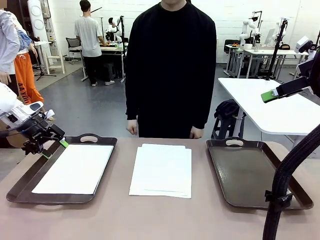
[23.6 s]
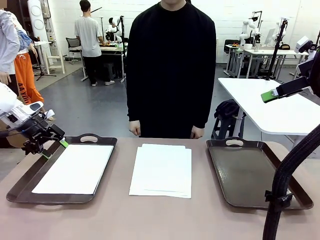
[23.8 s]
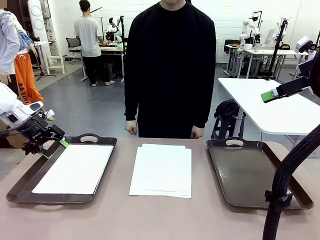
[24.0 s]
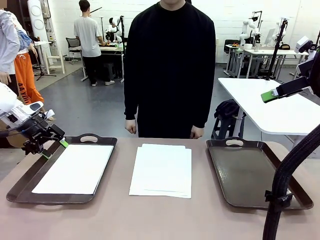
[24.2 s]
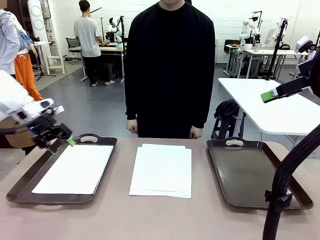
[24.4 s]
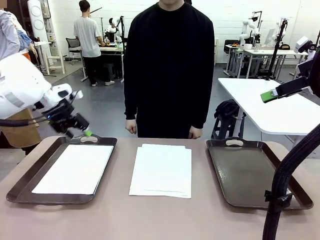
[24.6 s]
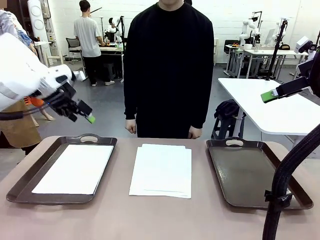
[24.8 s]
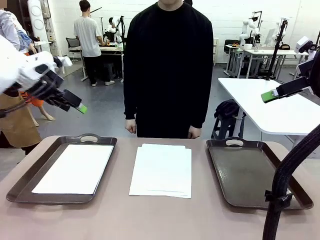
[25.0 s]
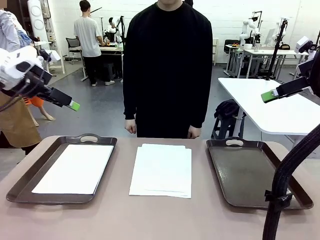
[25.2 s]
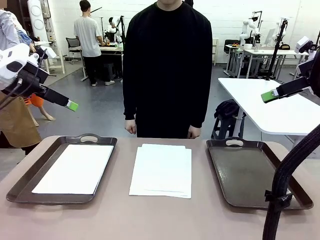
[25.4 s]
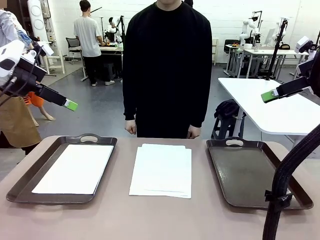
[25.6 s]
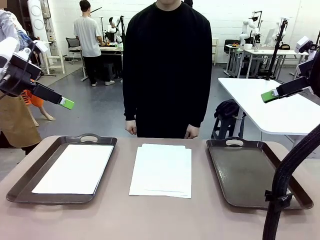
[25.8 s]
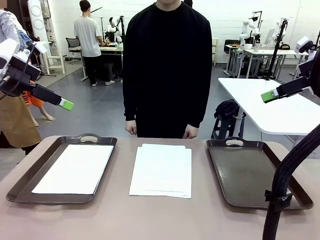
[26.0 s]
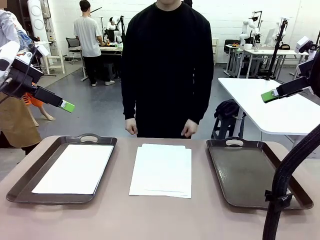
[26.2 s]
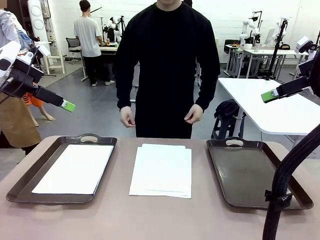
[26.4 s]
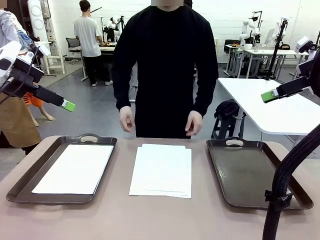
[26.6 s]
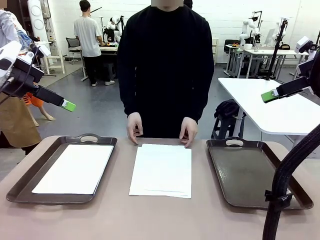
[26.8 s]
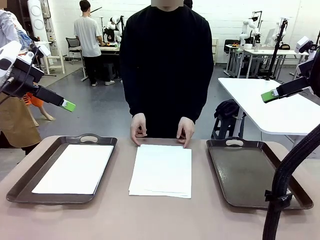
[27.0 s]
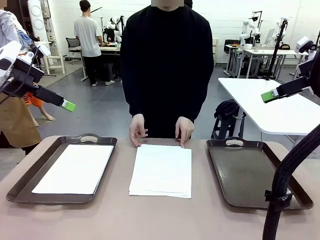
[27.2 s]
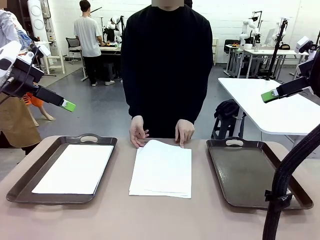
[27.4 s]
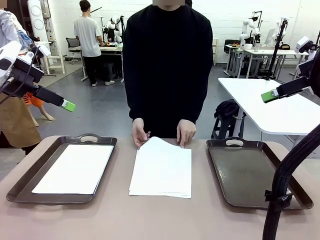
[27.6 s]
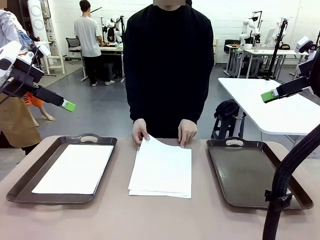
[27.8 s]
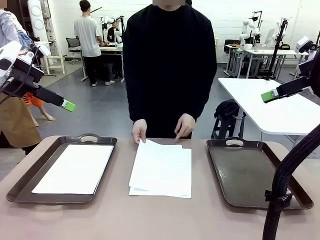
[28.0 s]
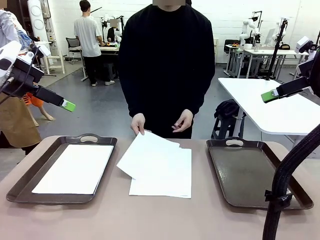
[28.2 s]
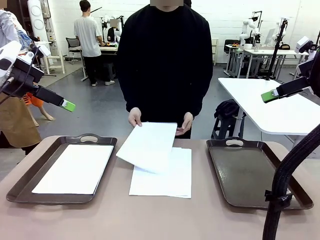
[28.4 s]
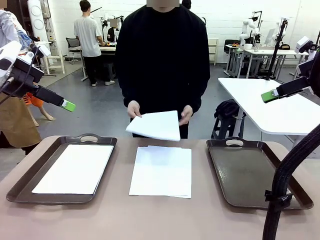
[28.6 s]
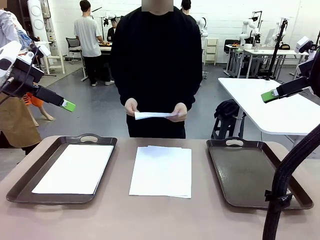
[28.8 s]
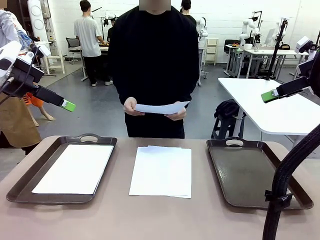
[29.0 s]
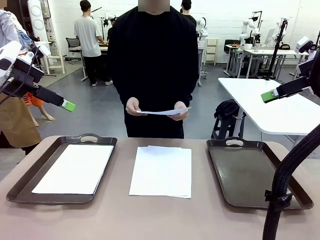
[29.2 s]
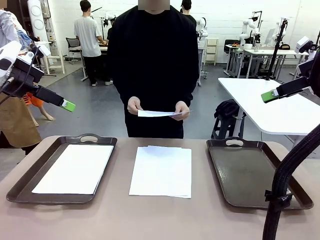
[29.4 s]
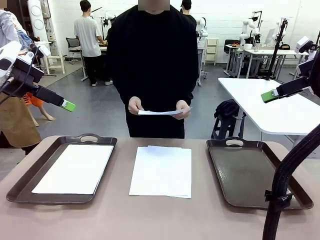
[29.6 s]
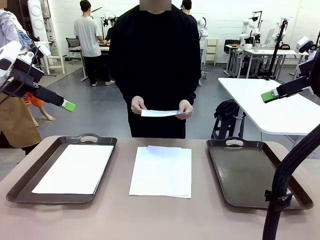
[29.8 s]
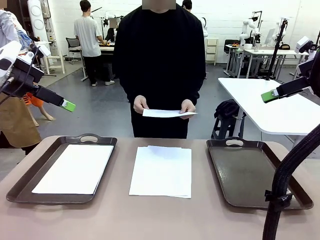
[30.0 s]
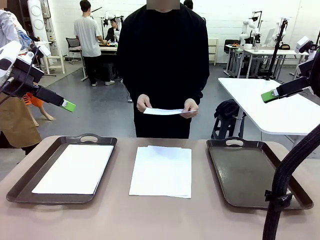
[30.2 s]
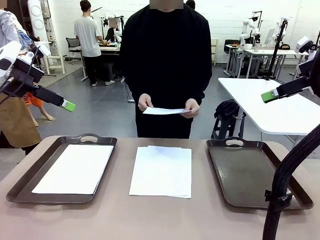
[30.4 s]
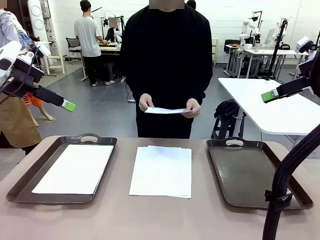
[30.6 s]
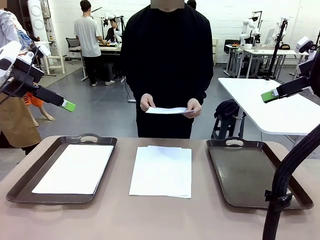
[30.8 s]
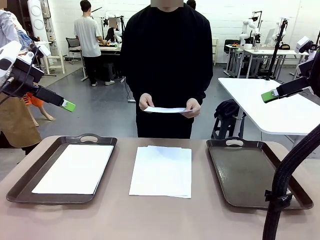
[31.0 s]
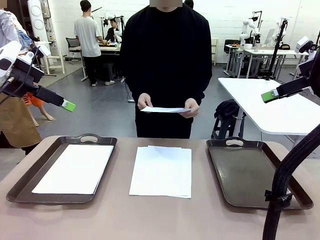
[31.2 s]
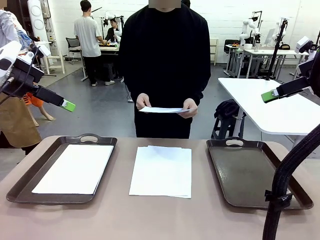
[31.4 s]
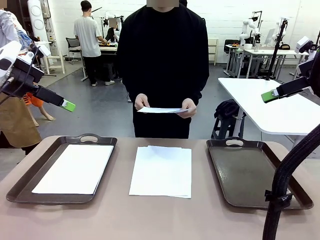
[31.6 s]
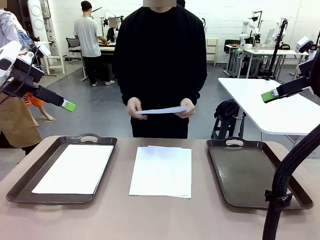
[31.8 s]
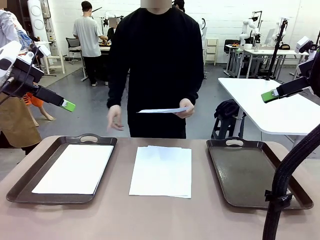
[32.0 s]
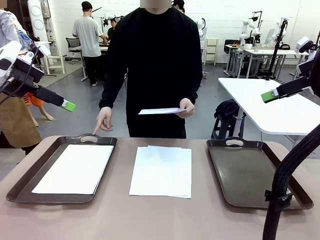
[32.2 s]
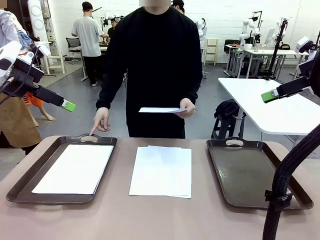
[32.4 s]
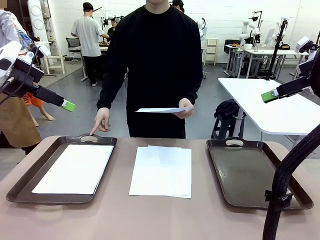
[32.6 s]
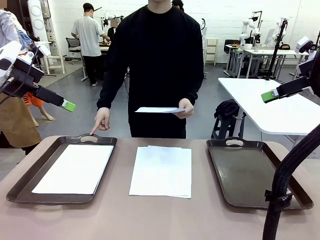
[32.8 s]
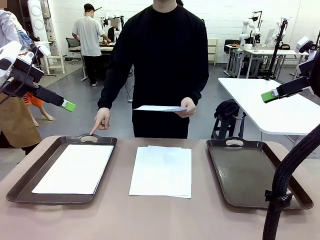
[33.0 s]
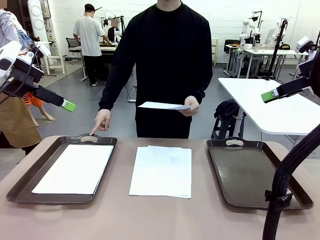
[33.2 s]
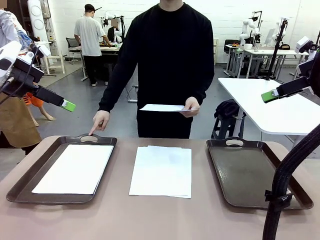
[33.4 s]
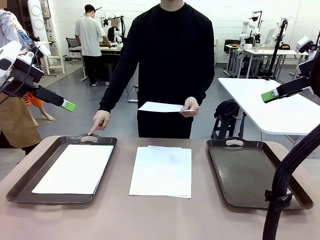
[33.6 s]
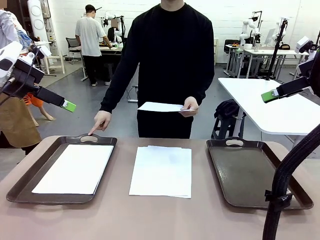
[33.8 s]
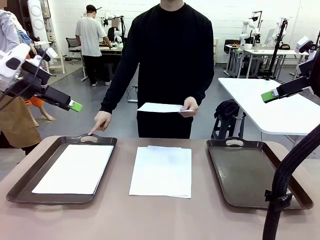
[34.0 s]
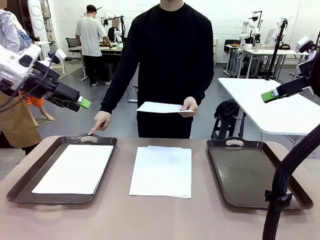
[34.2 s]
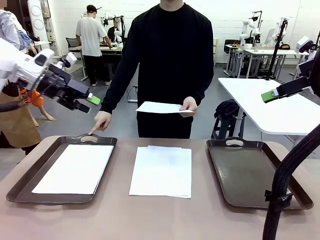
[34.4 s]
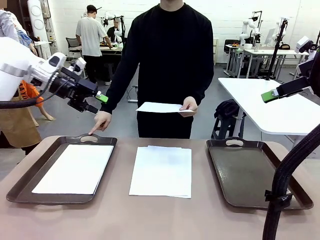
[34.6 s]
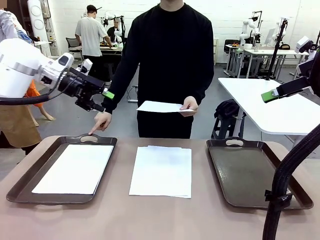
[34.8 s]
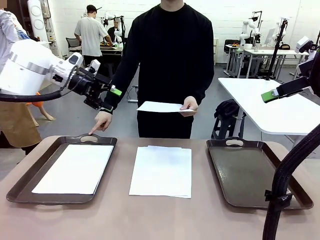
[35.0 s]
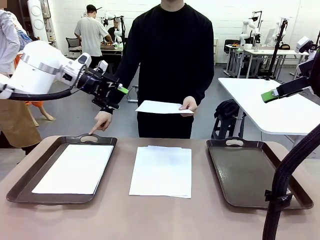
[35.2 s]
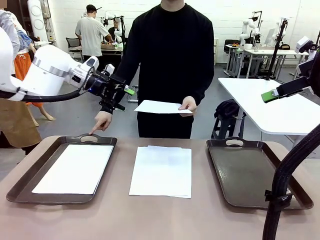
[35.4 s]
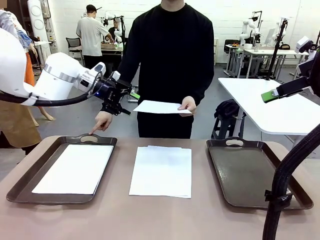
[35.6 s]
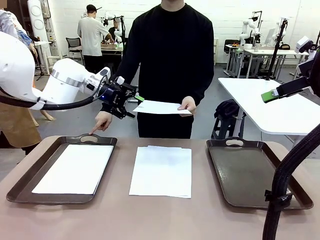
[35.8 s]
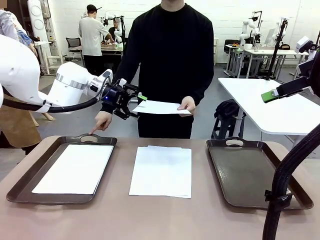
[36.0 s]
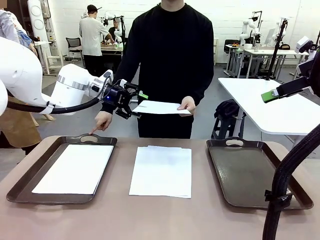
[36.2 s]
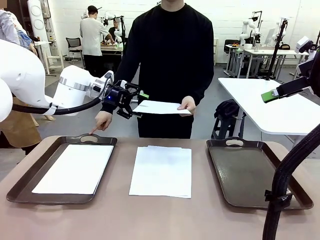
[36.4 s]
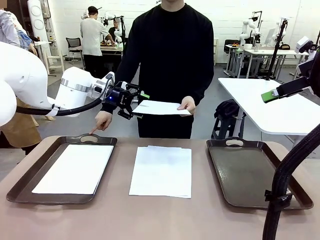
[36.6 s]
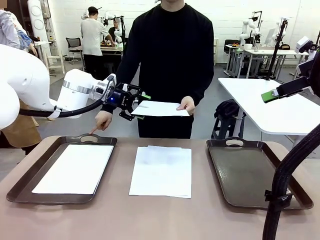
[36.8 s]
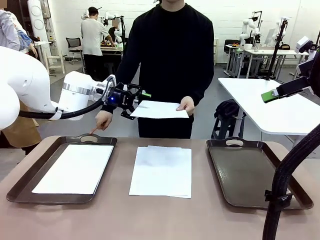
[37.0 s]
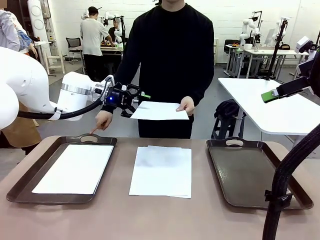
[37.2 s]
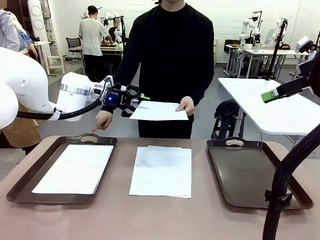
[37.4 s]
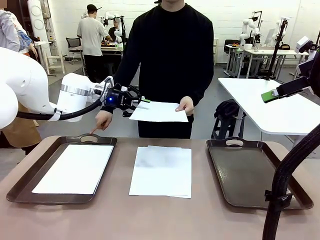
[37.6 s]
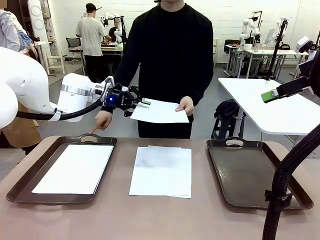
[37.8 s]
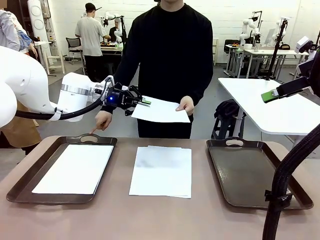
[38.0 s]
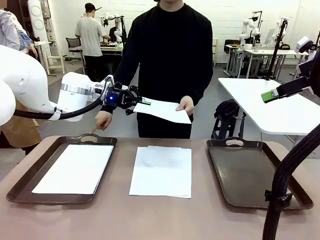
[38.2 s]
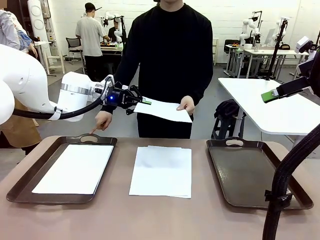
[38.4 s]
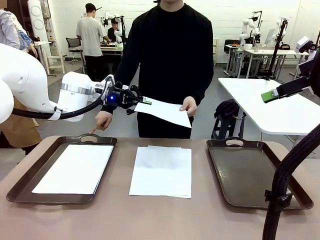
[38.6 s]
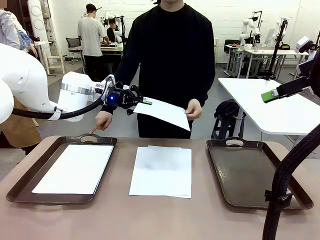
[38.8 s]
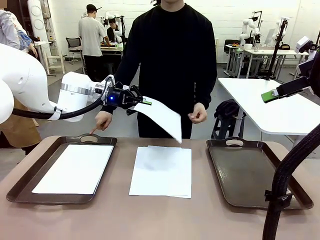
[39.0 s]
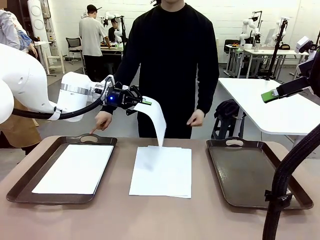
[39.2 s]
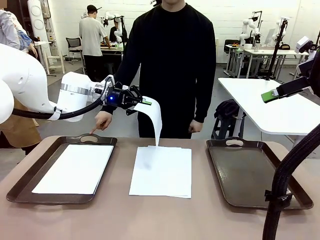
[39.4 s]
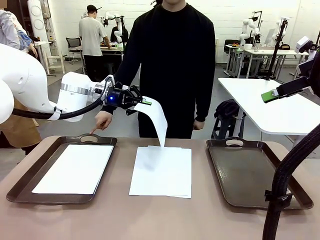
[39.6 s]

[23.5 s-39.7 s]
Task: Sort the A4 documents.
Robot: Receive the A4 Paper.
Person: Point the randomly selected tray with the other hand.

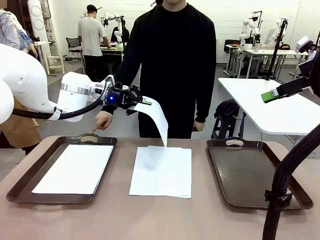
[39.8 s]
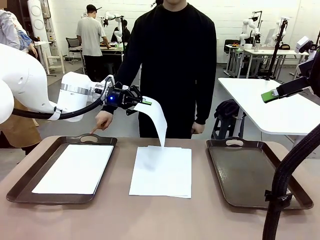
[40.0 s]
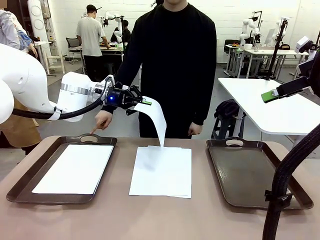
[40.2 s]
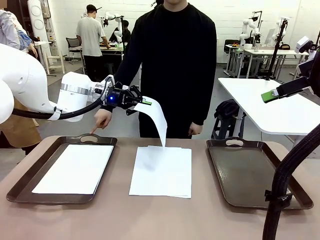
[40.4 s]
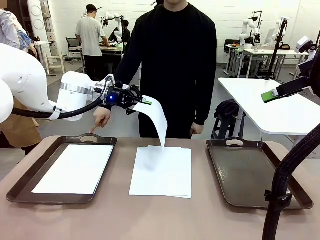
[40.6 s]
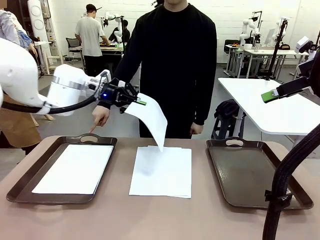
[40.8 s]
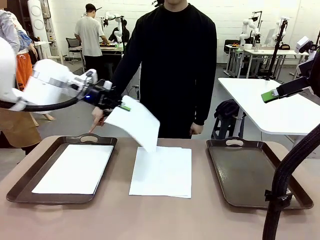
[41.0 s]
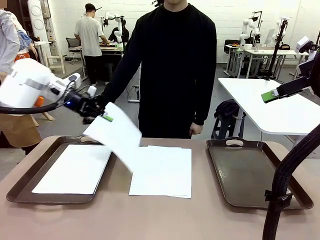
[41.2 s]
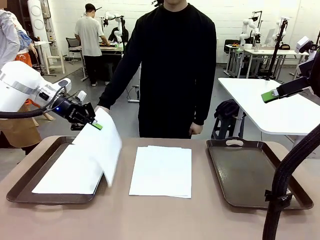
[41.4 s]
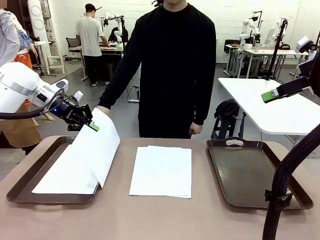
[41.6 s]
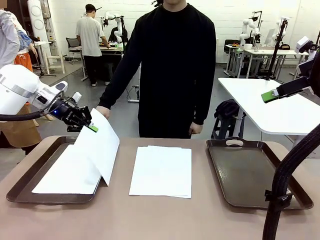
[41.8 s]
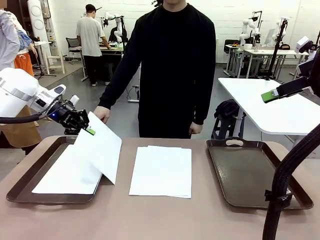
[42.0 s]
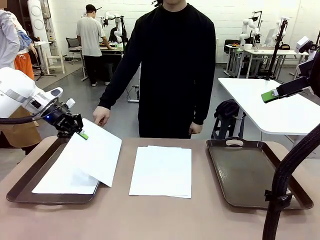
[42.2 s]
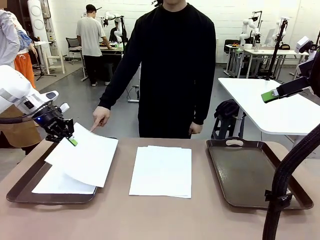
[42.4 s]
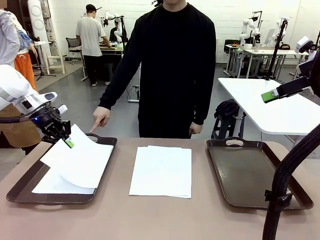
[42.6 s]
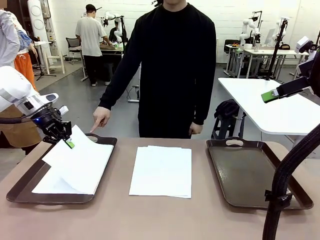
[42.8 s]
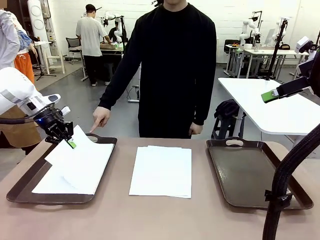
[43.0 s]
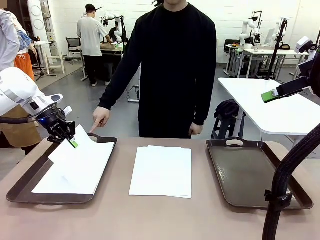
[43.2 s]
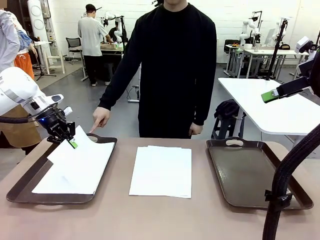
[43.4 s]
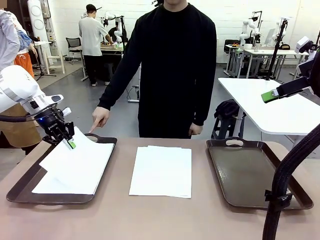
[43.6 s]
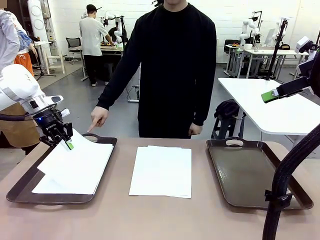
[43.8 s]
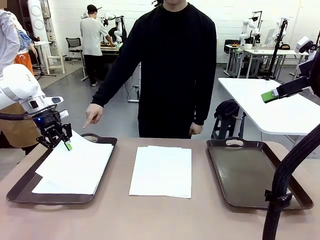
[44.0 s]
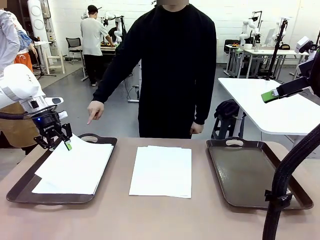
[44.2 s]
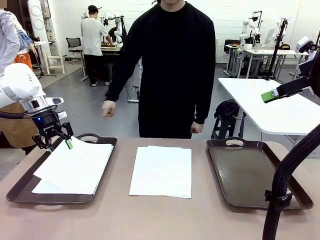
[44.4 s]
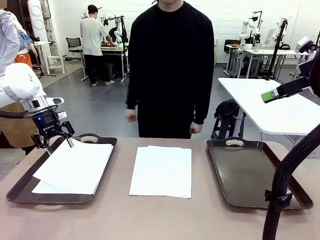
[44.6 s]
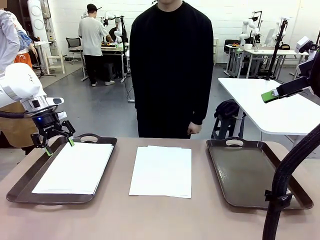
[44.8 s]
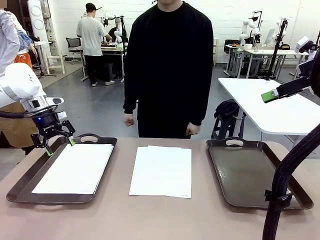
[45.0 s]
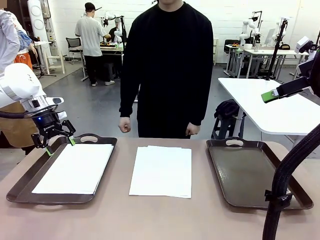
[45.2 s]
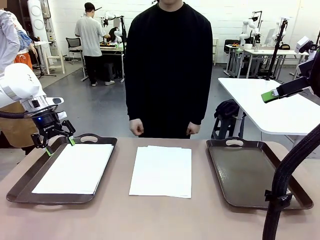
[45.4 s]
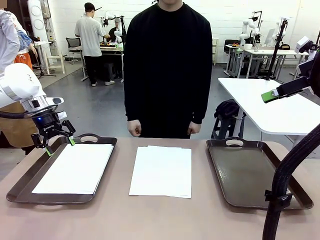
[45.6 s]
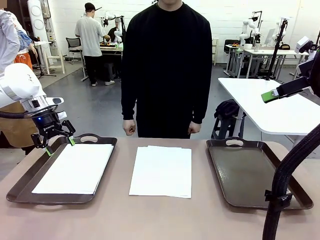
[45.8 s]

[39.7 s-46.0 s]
Robot: Place the A4 Paper in the designated Handle tray.
